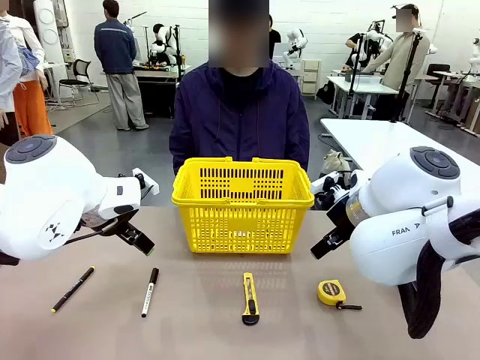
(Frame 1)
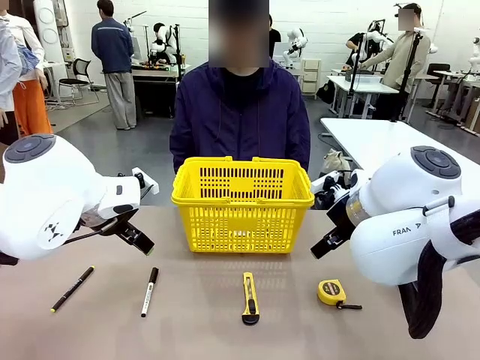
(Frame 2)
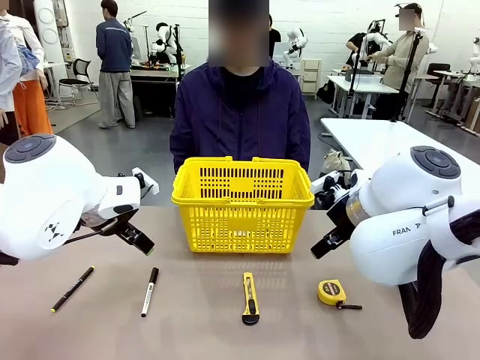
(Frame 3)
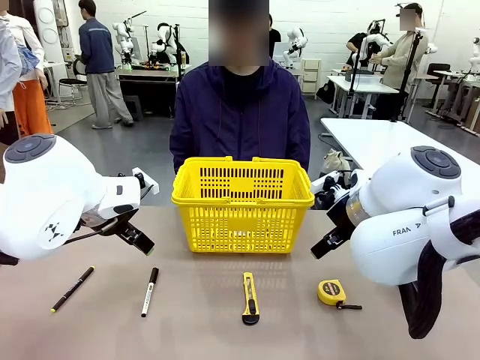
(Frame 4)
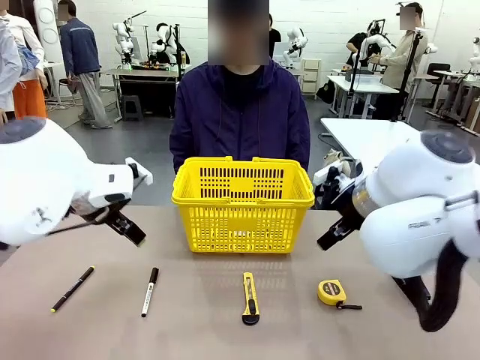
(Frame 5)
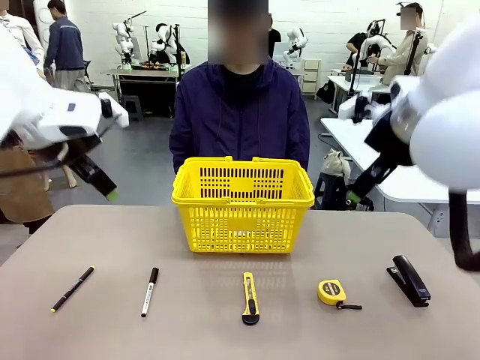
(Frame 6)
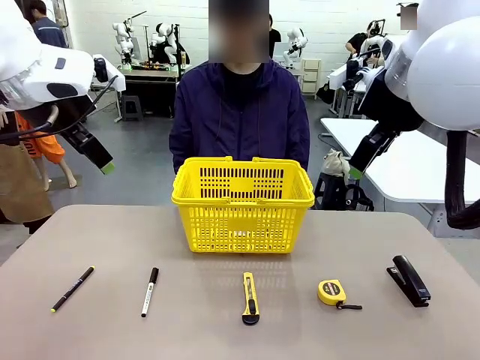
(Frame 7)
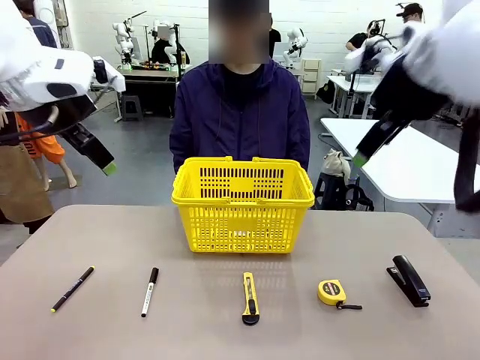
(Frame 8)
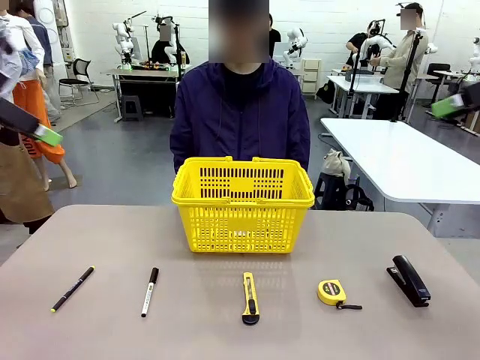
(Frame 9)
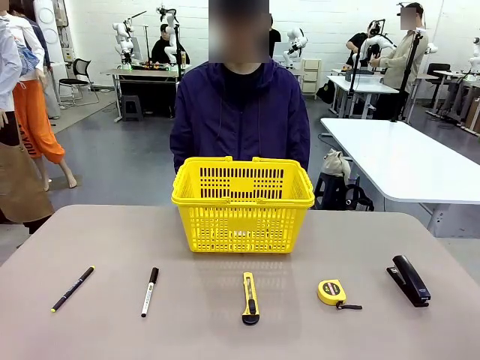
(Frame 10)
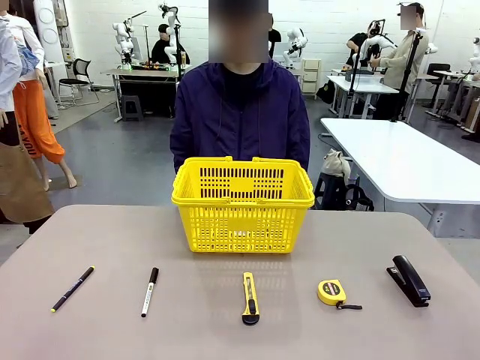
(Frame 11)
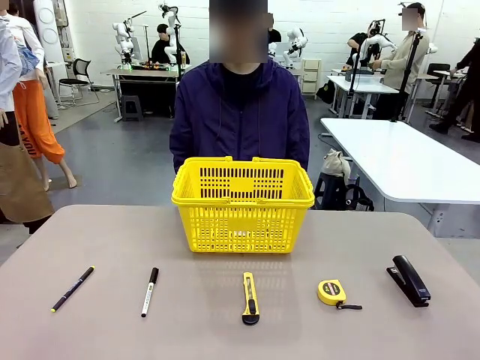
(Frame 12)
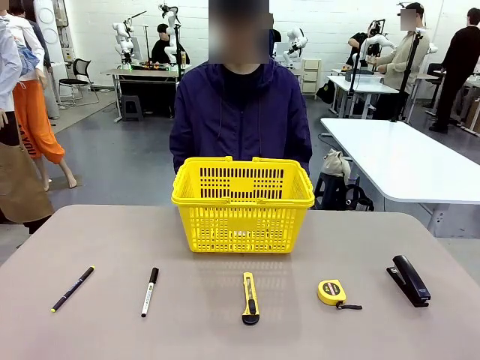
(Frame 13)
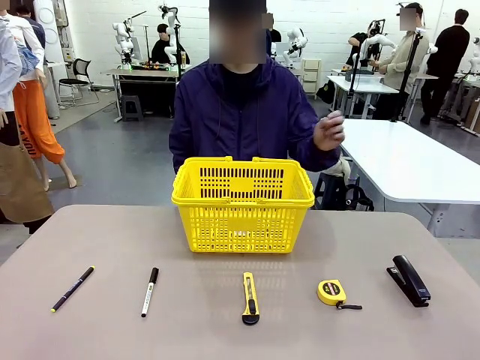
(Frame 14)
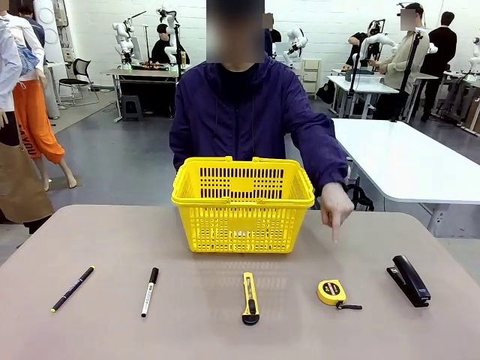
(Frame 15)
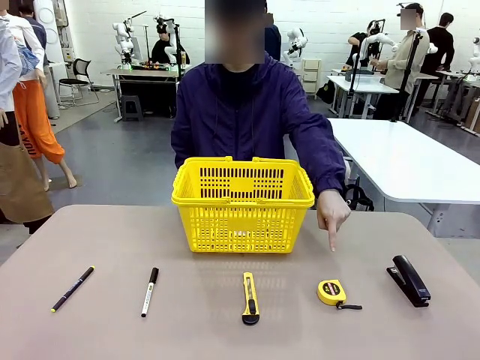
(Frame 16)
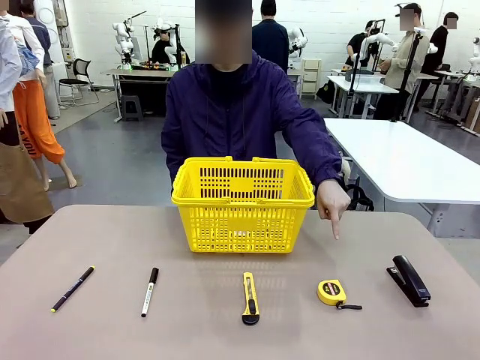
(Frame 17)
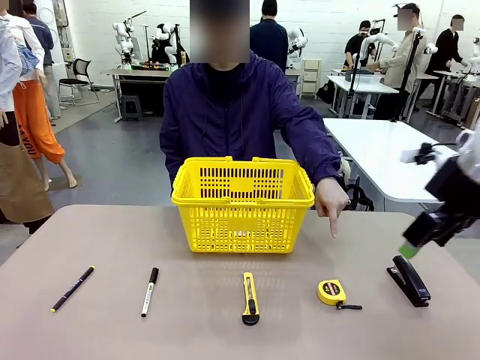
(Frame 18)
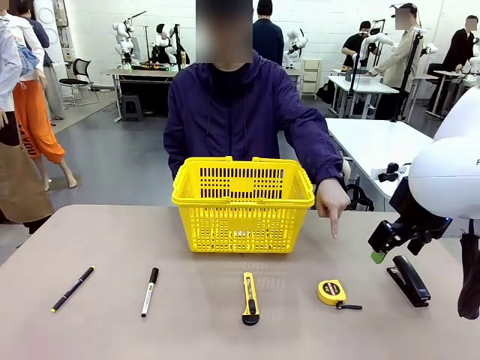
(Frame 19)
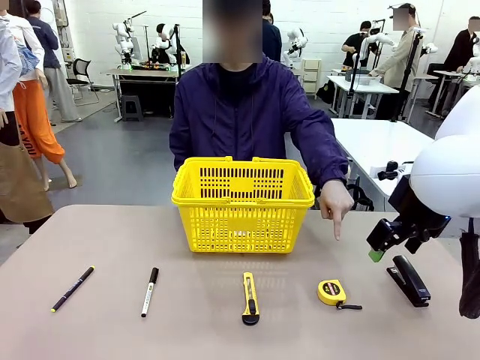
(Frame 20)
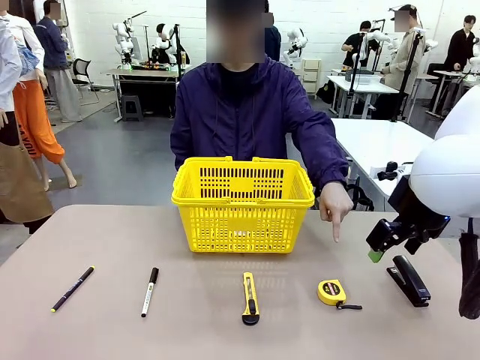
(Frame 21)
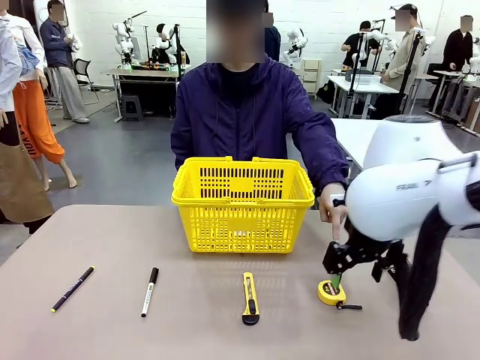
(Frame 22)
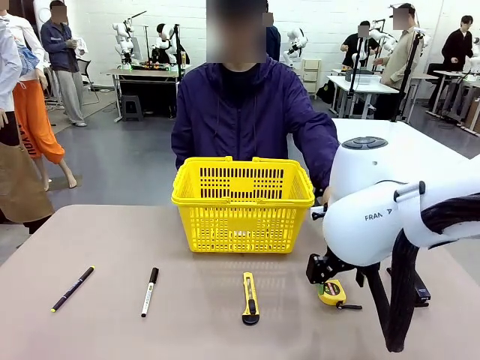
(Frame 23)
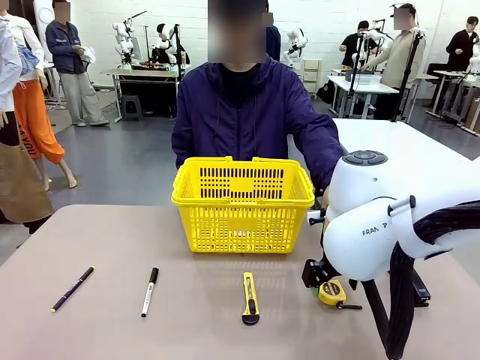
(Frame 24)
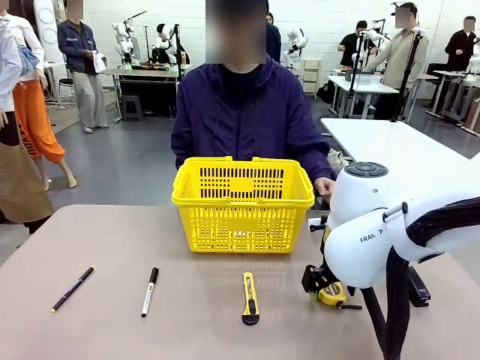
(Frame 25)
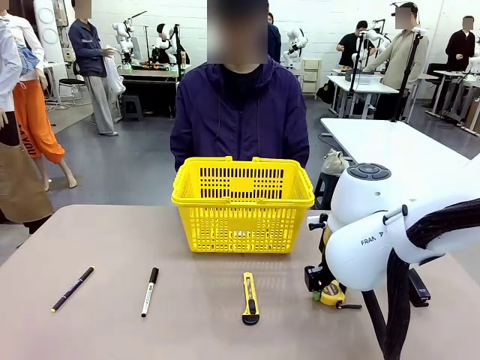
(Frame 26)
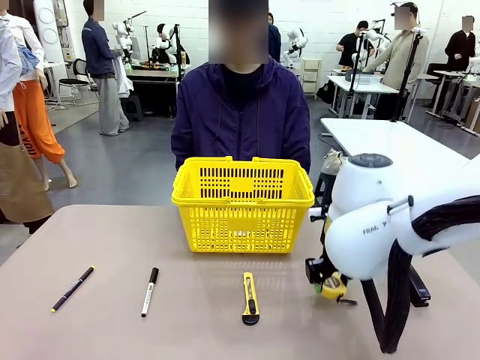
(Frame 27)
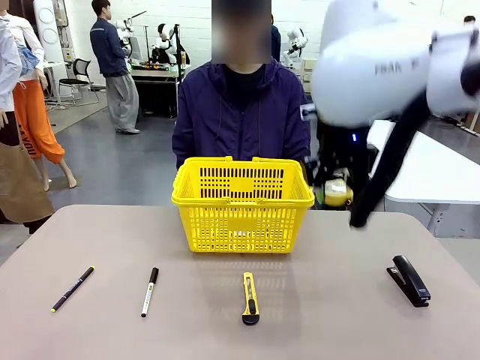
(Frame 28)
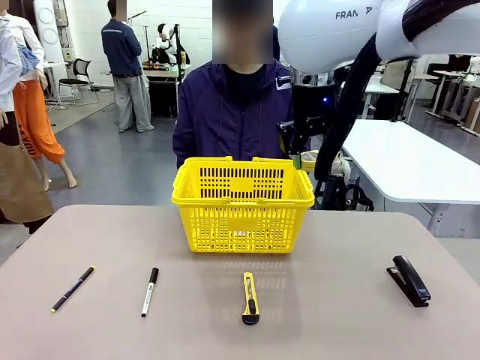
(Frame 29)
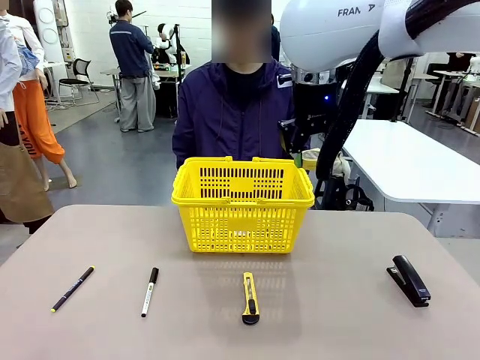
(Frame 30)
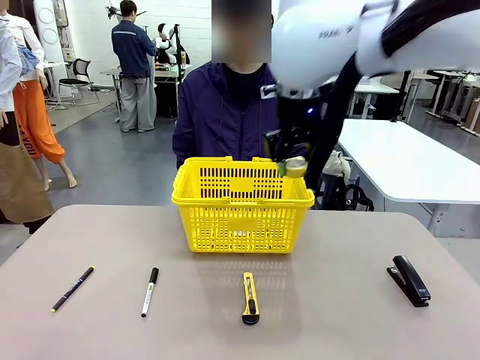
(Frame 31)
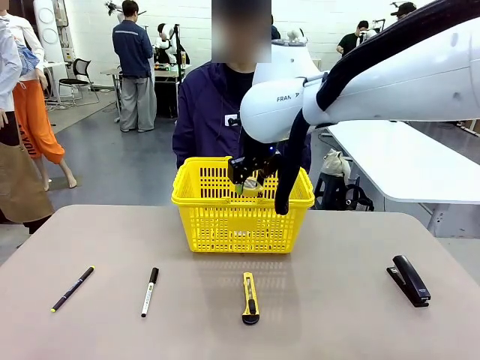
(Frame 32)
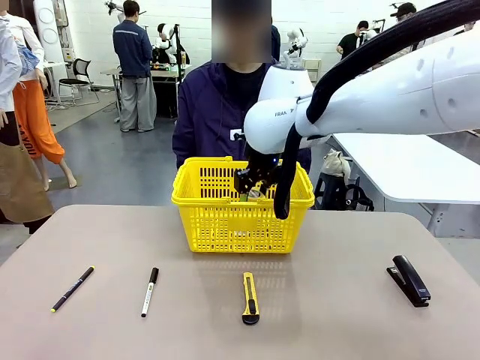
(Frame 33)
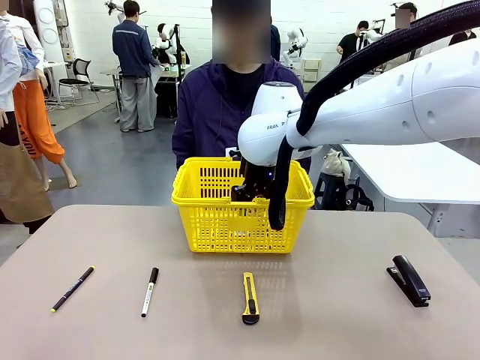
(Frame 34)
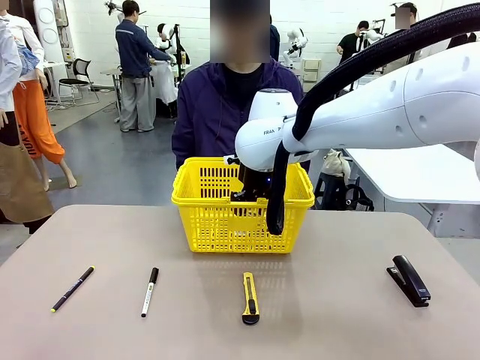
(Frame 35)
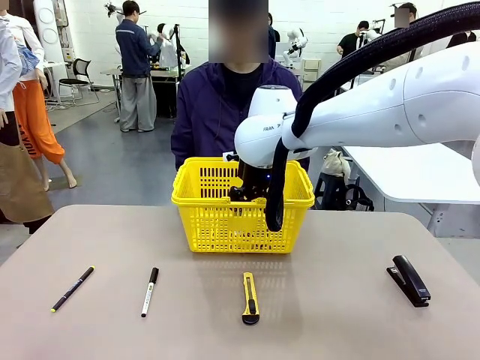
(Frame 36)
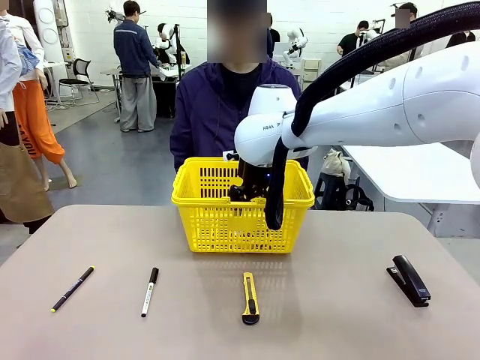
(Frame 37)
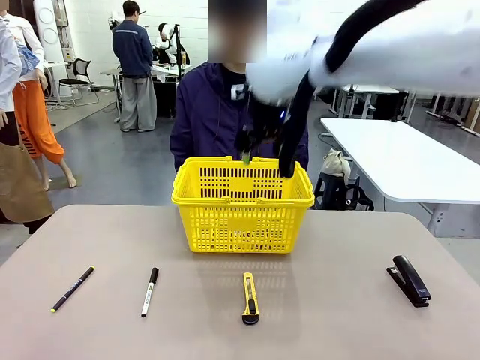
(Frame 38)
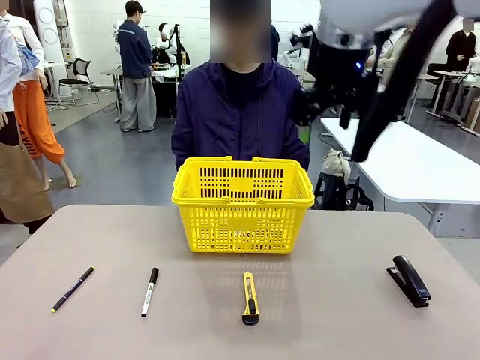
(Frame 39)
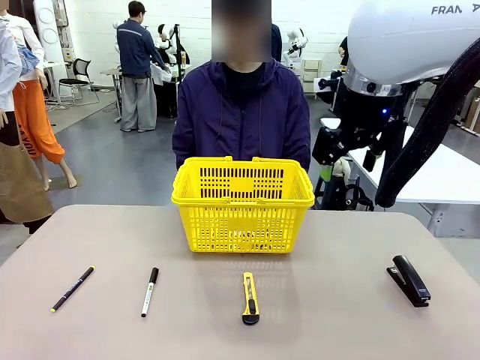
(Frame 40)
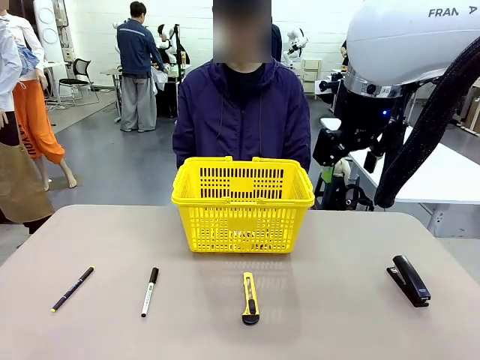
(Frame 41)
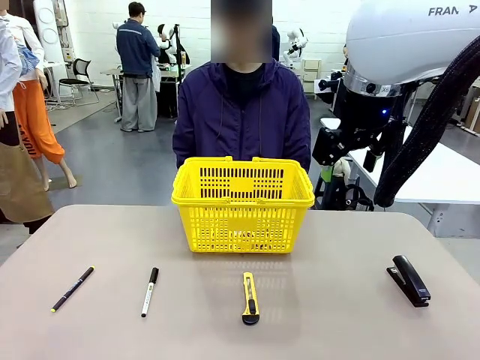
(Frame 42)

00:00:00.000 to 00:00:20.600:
Task: Place the items the person wants into the basket.
Robot: Pick up the item the person points to and place it in the Market Basket.
